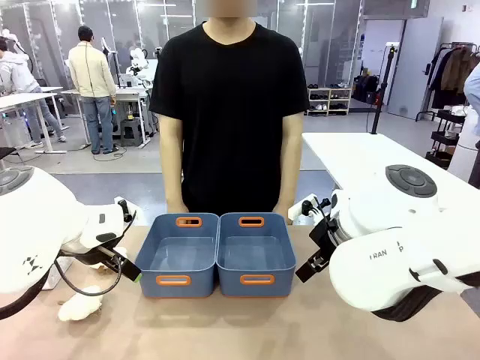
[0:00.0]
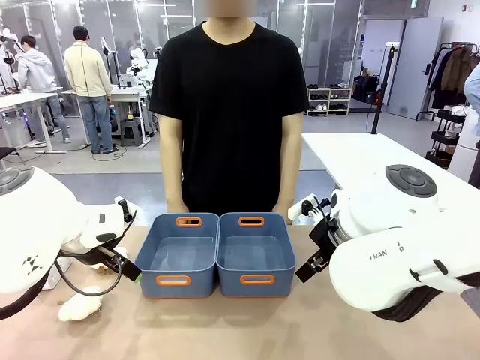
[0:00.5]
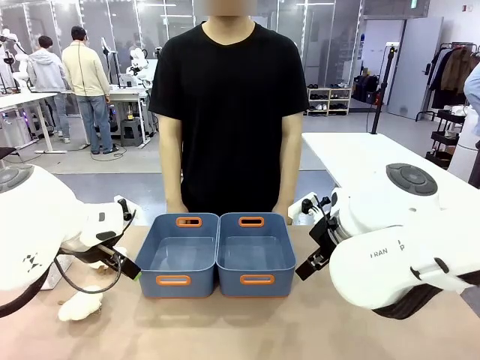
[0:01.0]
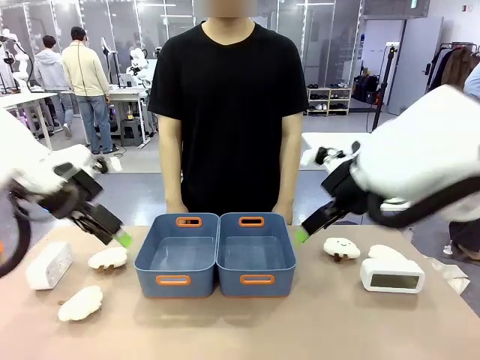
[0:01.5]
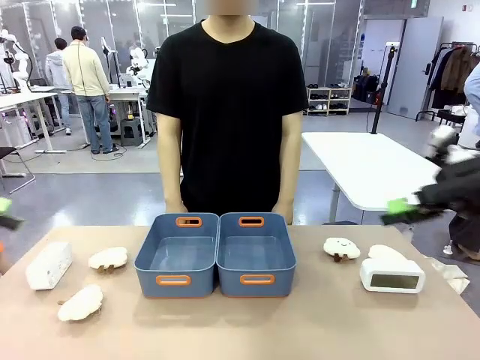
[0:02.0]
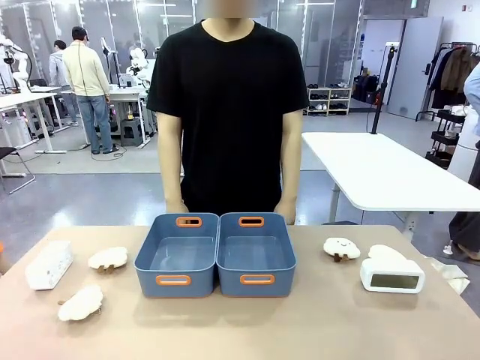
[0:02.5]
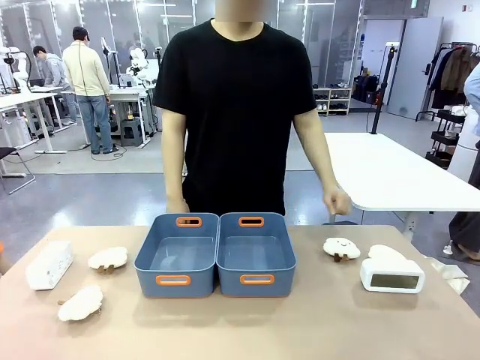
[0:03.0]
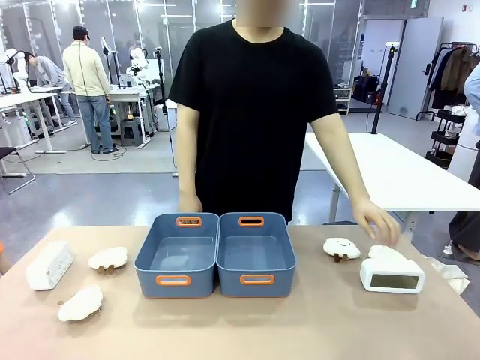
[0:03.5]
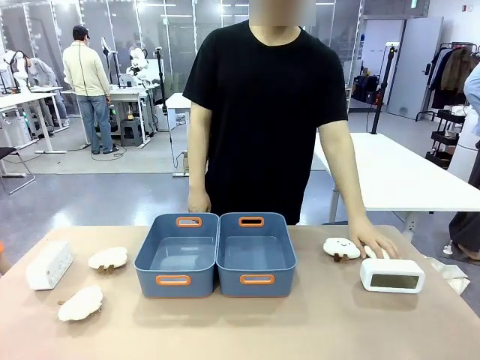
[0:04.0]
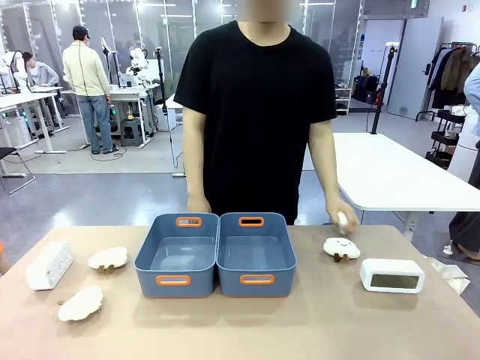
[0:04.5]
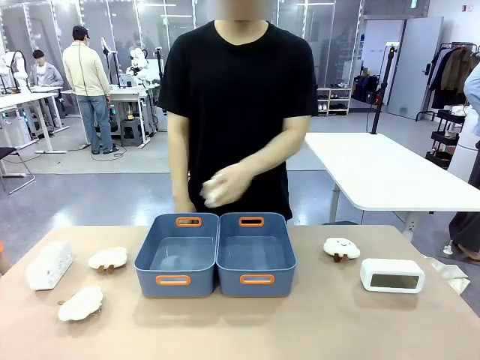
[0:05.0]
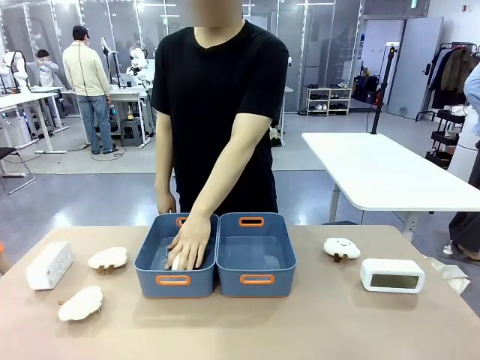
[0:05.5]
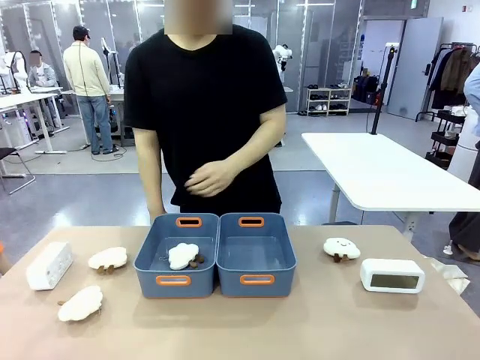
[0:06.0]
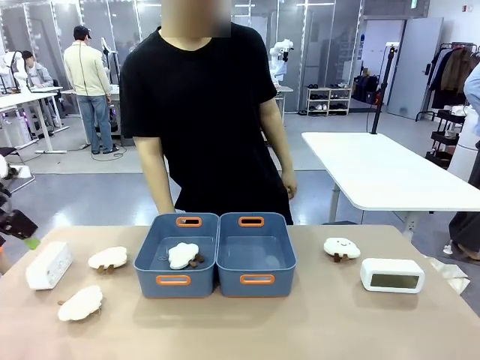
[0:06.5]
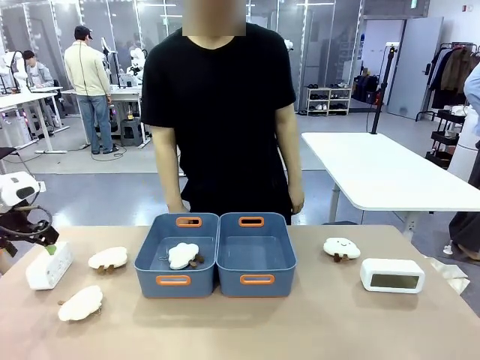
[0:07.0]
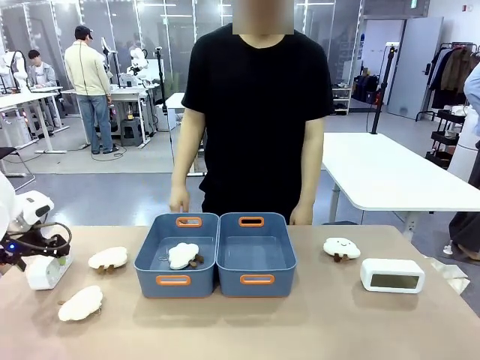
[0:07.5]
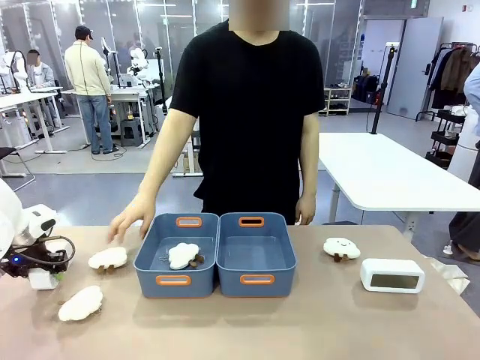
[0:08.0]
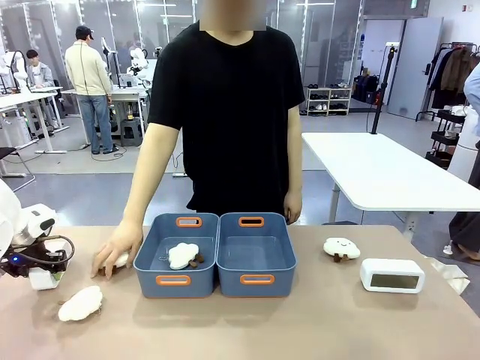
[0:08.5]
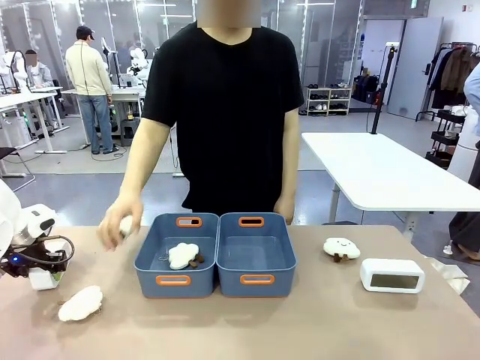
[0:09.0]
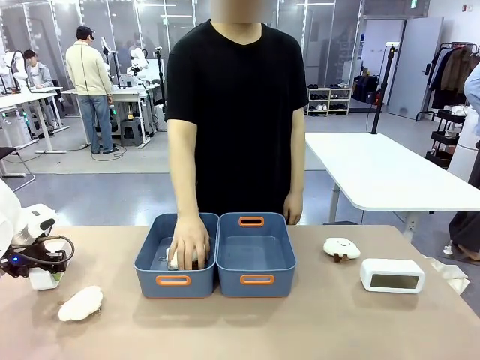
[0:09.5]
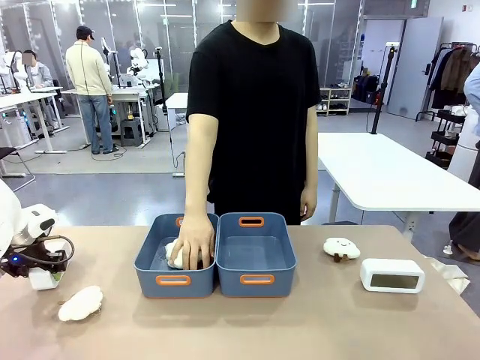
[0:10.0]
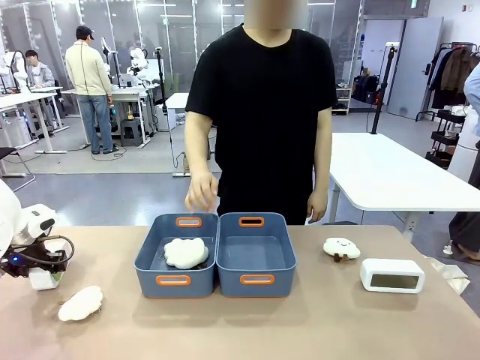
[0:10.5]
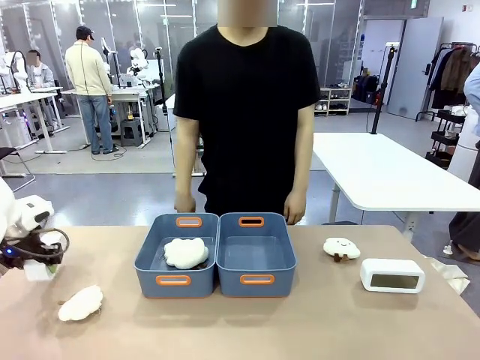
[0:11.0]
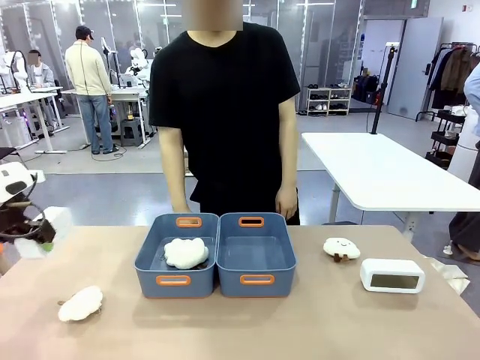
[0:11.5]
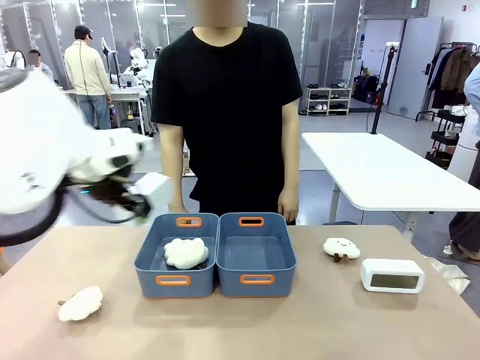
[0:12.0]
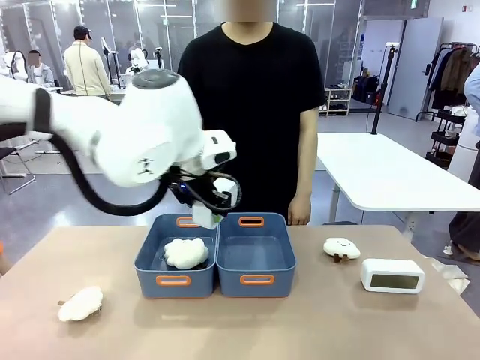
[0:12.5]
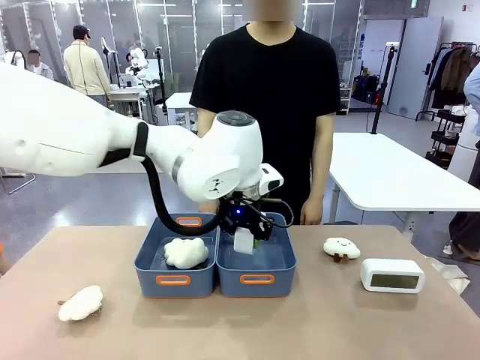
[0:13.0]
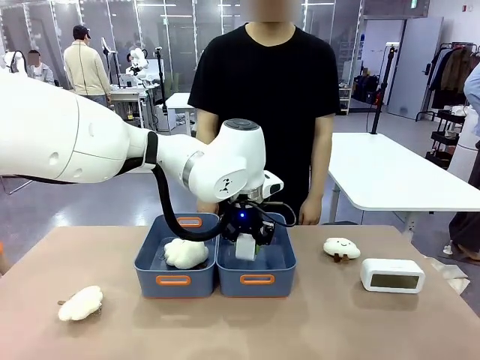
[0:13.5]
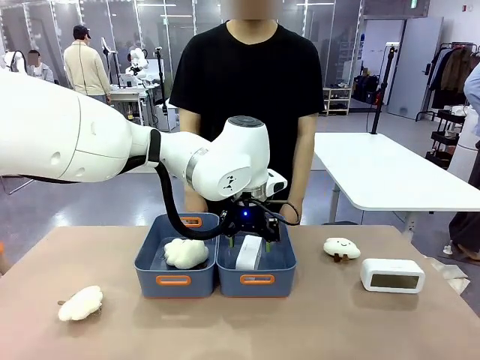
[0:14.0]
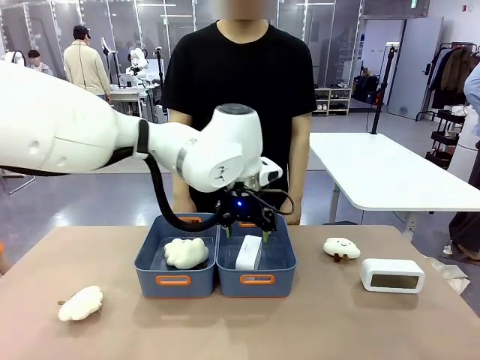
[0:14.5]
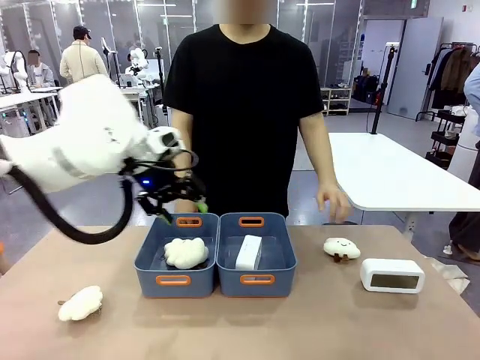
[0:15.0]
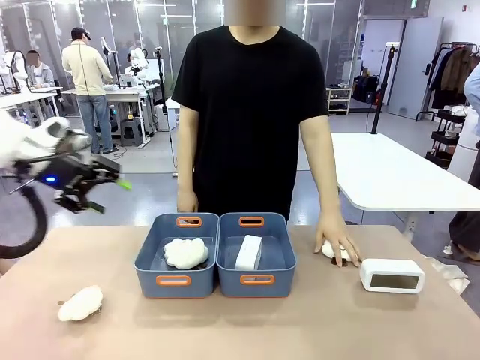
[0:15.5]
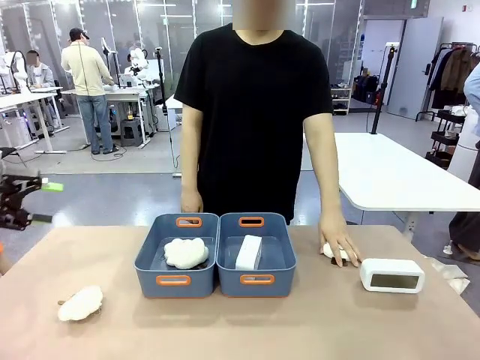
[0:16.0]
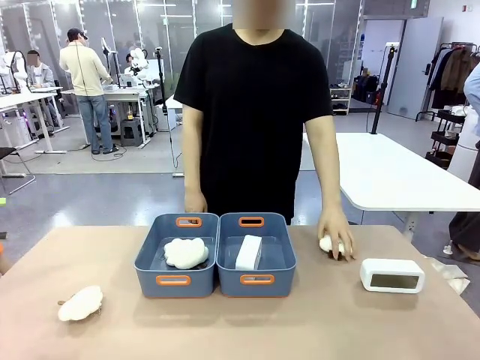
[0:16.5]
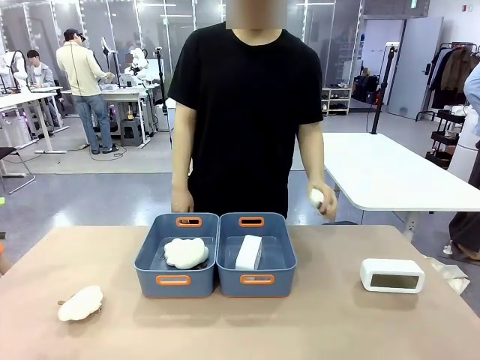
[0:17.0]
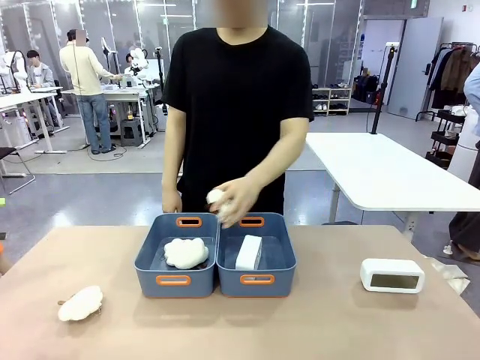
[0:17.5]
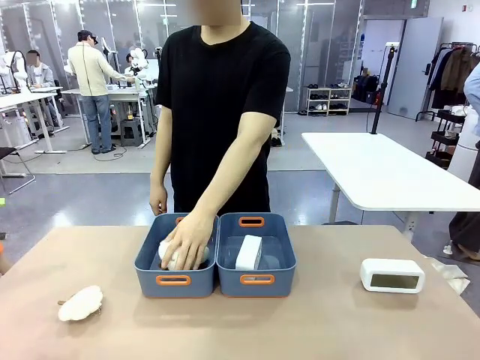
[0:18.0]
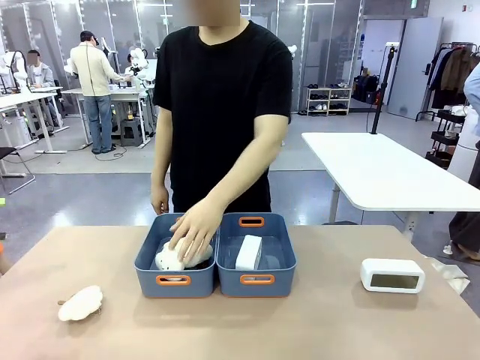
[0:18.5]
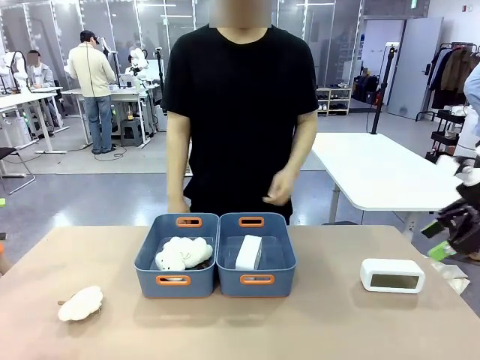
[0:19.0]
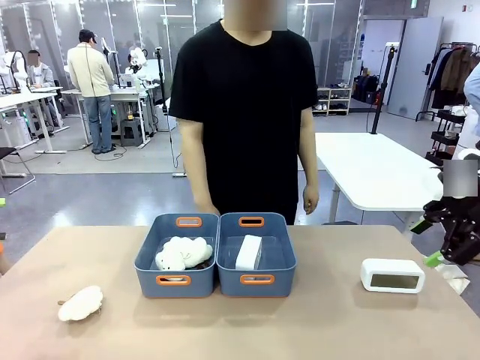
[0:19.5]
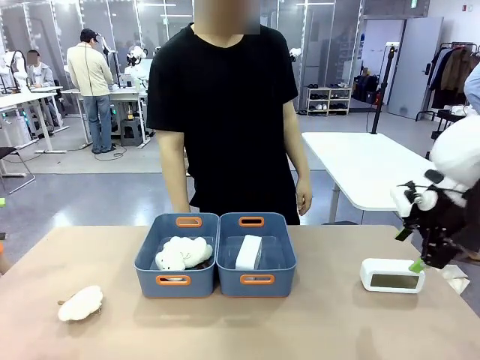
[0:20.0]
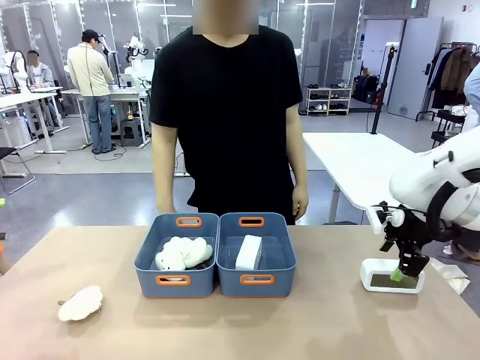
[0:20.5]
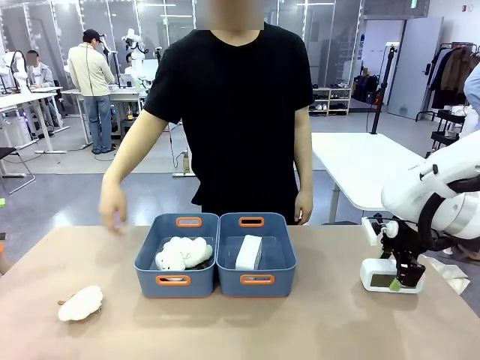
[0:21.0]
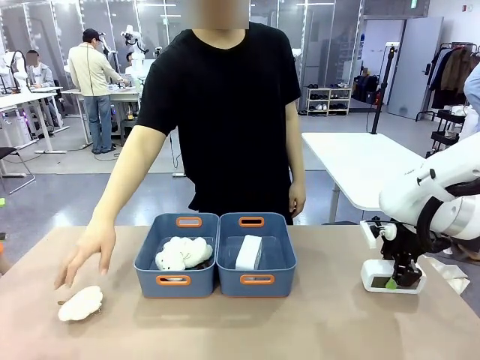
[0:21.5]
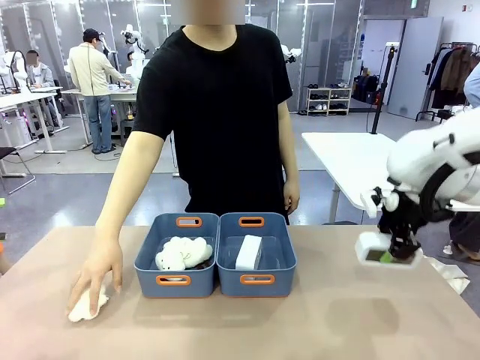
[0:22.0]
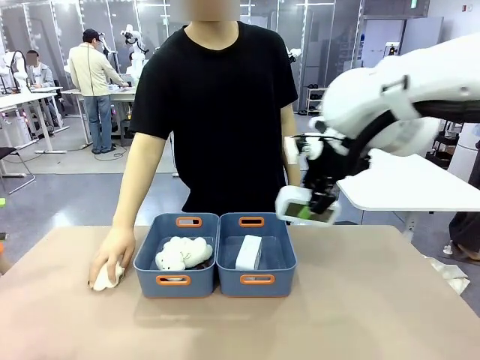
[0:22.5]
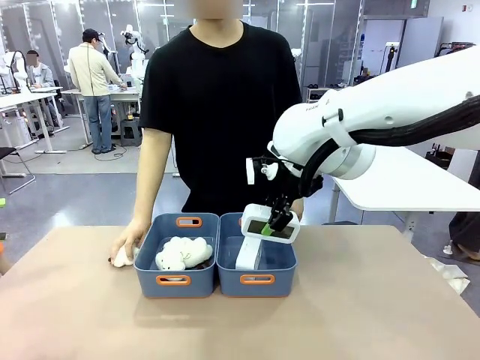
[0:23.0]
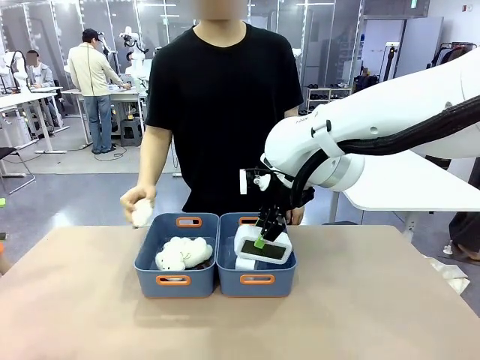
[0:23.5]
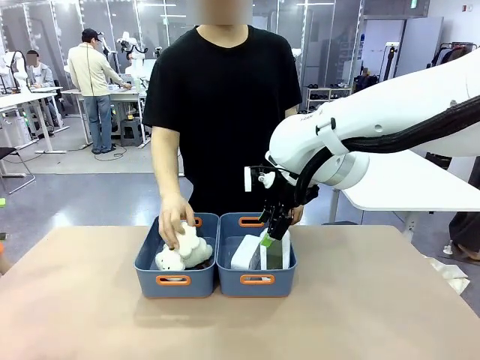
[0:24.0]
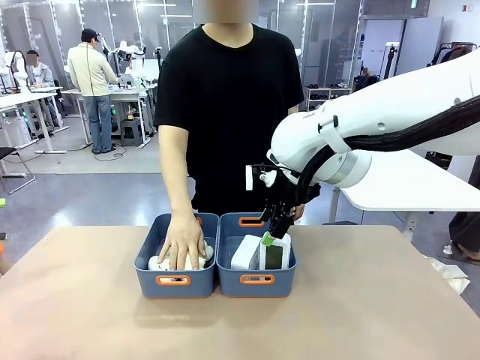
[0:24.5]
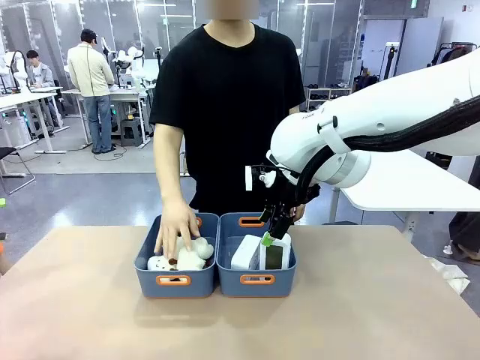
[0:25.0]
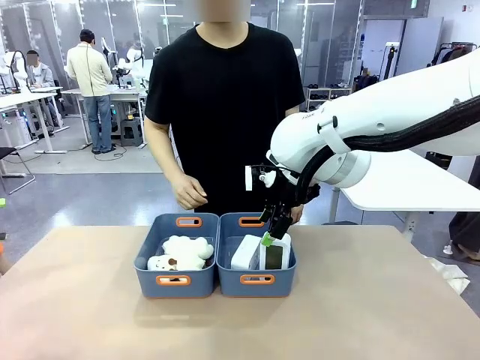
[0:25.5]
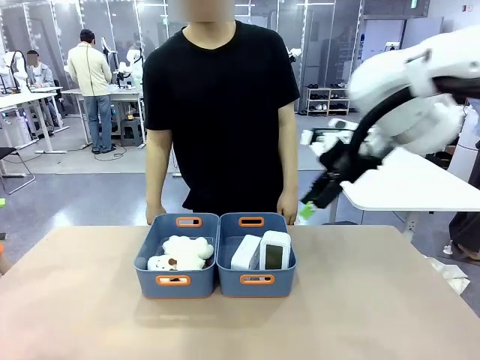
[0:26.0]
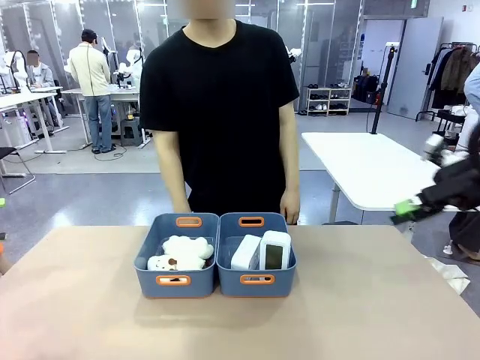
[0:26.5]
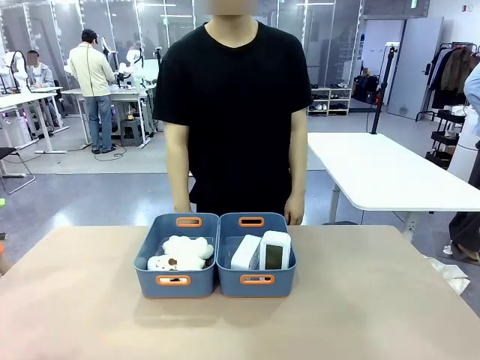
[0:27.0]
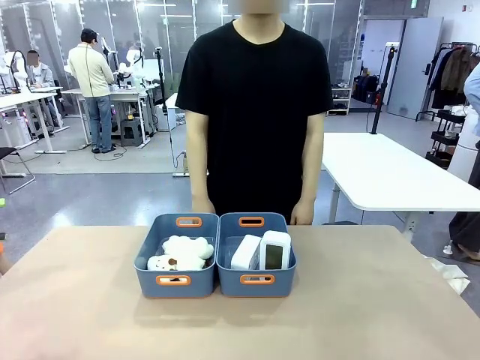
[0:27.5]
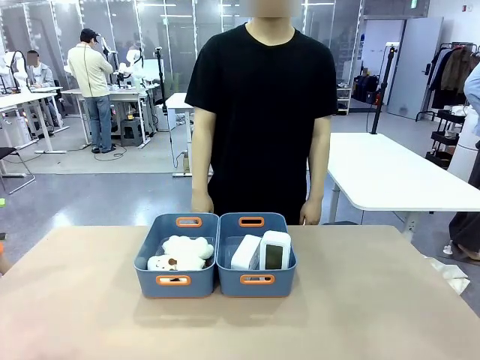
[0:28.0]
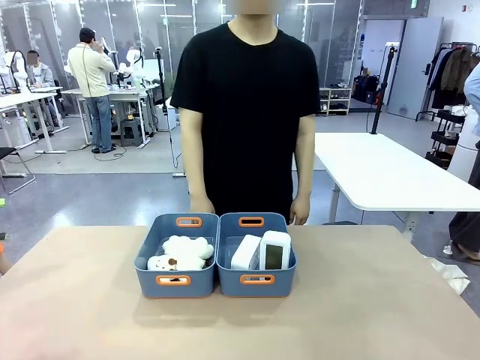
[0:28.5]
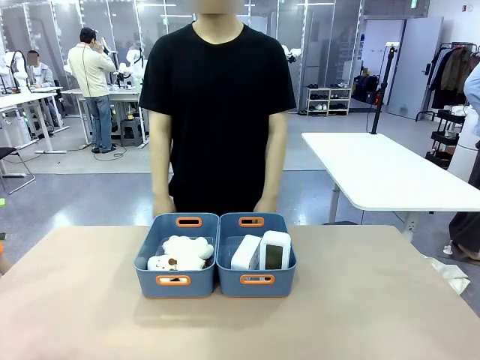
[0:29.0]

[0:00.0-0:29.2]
Task: Sort the digital clocks into the basket.
Robot: Pick up the Digital clock from the table and place it into the empty Plastic storage basket.
Person: Pick up a plush toy from the table and place it in a plastic storage basket. Pick up a plush toy from the table and place it in the plastic storage basket containing the plush toy.
